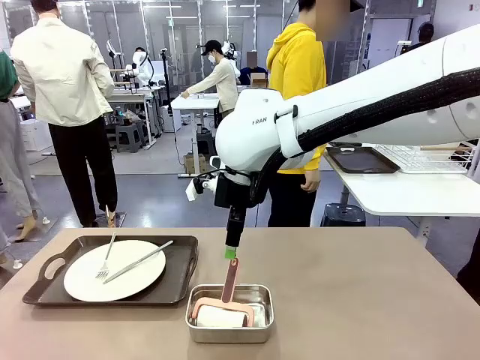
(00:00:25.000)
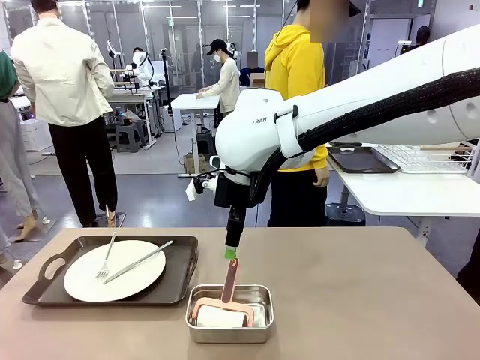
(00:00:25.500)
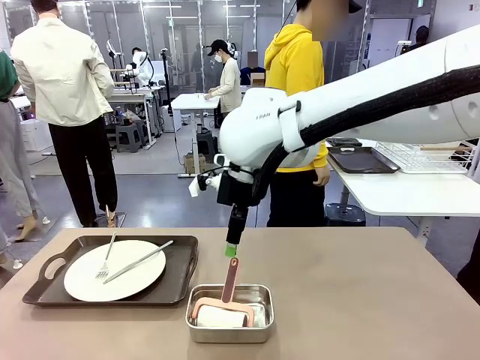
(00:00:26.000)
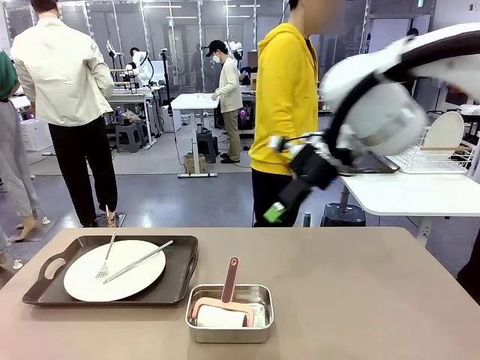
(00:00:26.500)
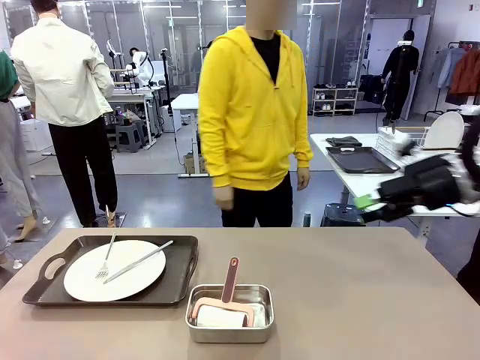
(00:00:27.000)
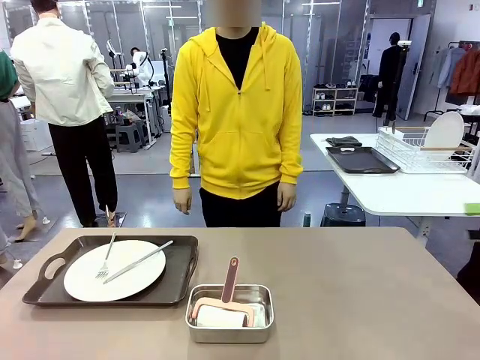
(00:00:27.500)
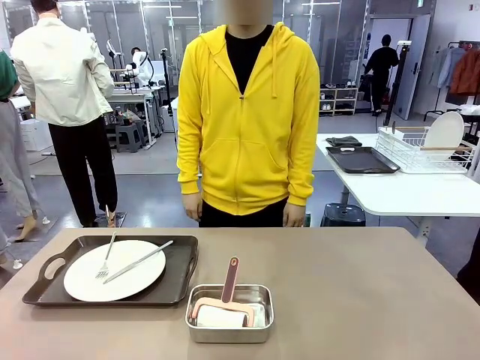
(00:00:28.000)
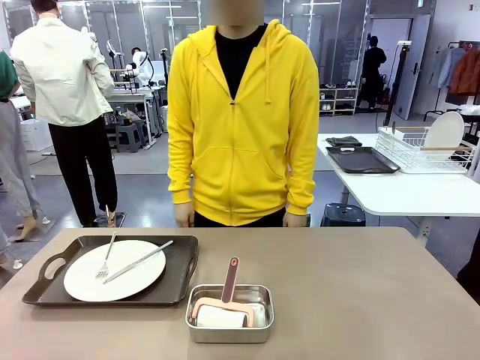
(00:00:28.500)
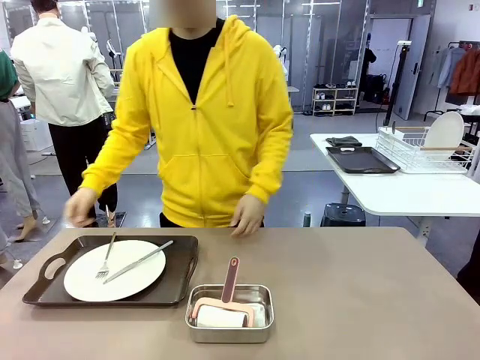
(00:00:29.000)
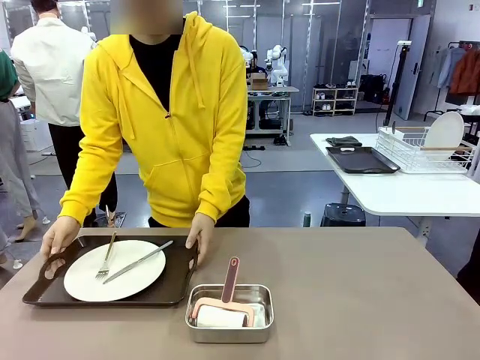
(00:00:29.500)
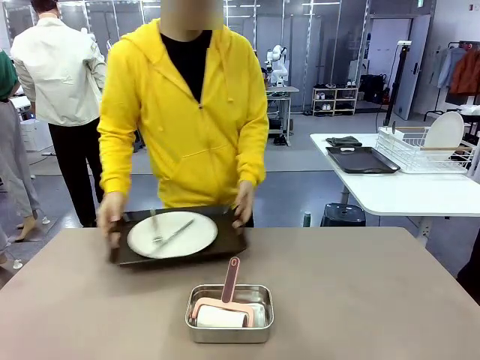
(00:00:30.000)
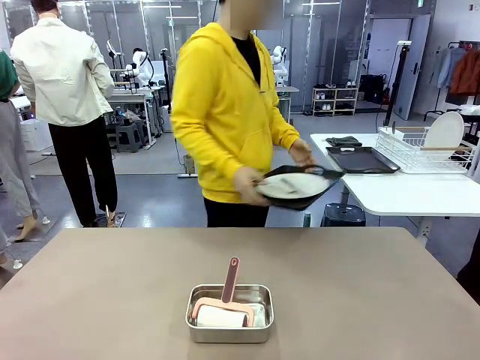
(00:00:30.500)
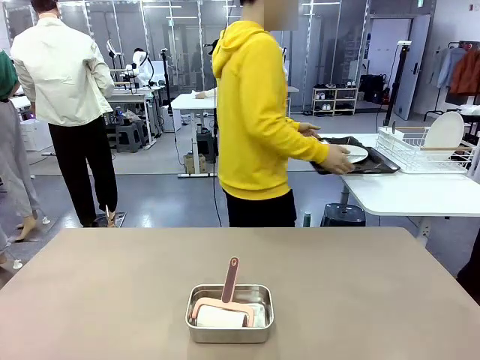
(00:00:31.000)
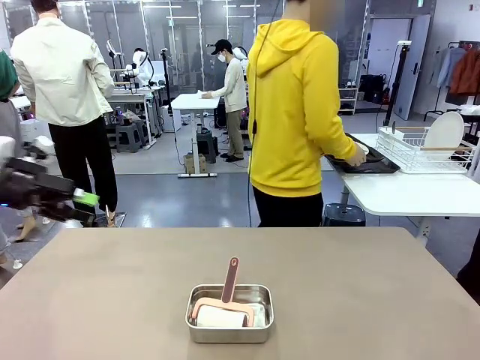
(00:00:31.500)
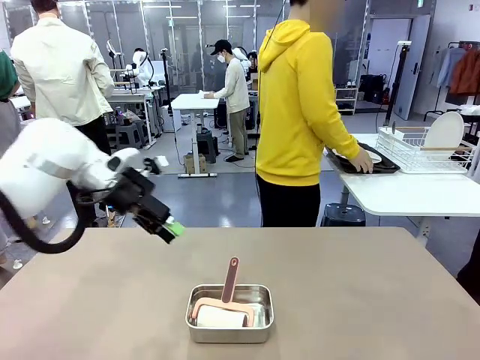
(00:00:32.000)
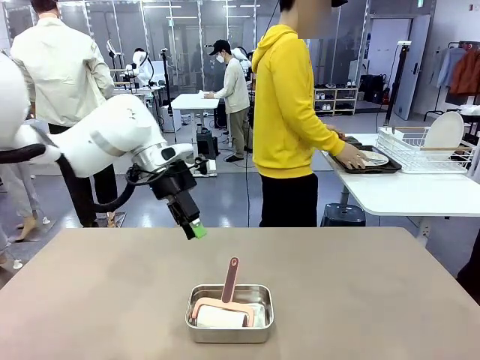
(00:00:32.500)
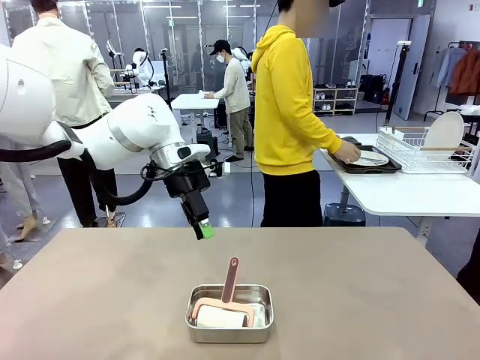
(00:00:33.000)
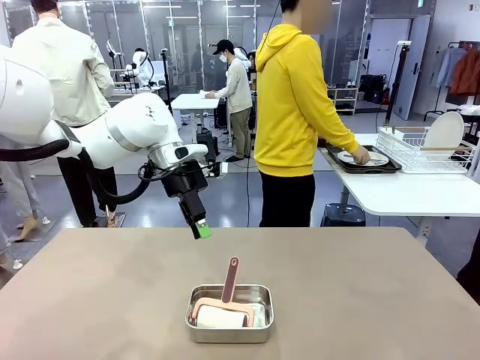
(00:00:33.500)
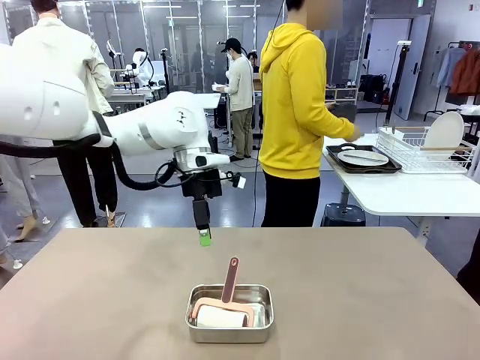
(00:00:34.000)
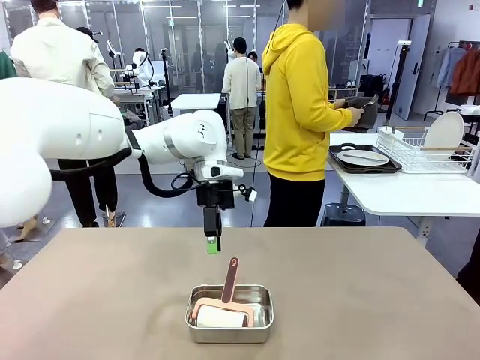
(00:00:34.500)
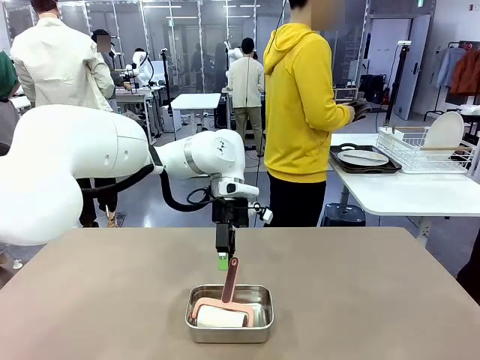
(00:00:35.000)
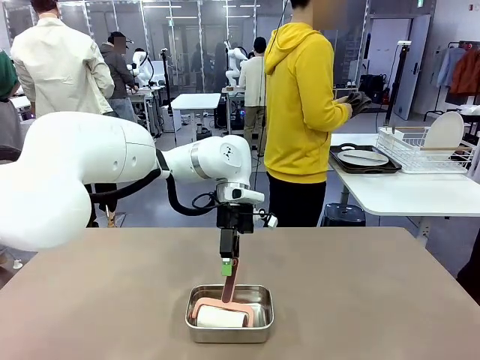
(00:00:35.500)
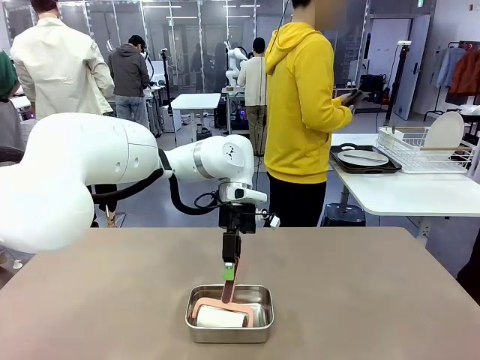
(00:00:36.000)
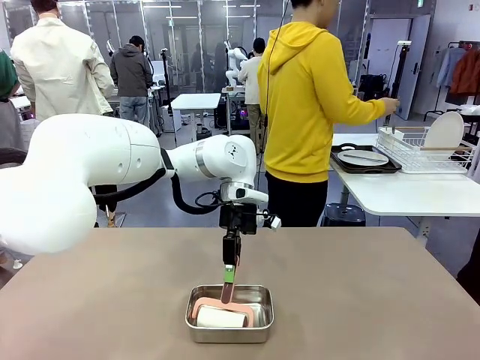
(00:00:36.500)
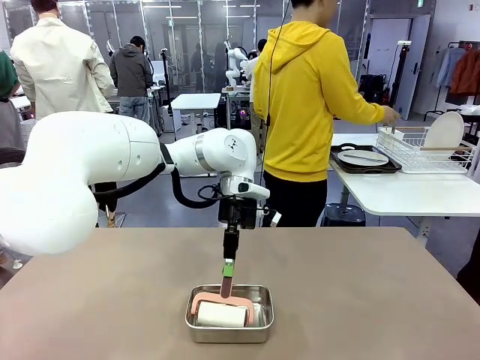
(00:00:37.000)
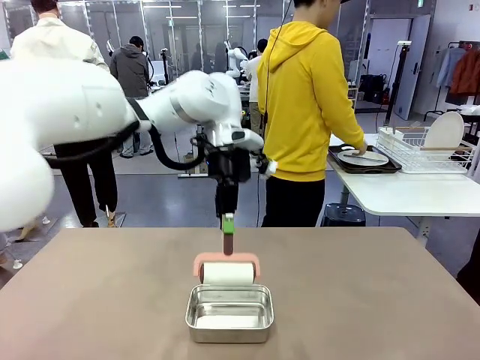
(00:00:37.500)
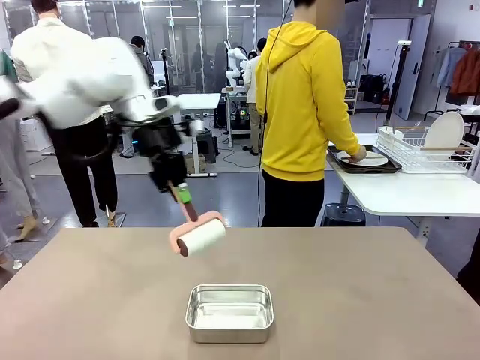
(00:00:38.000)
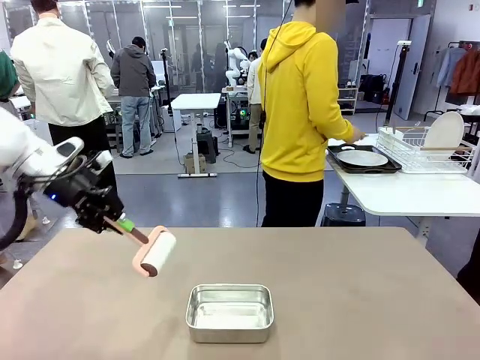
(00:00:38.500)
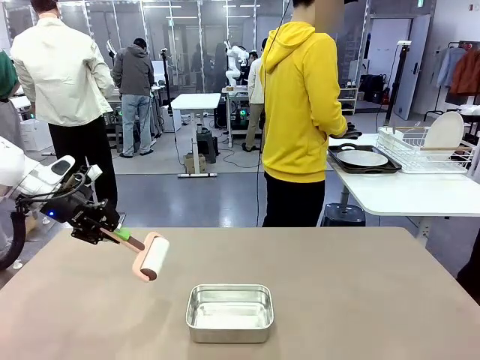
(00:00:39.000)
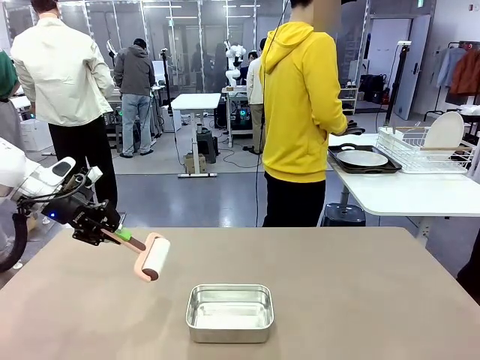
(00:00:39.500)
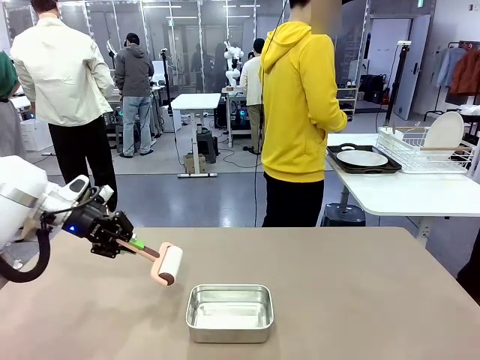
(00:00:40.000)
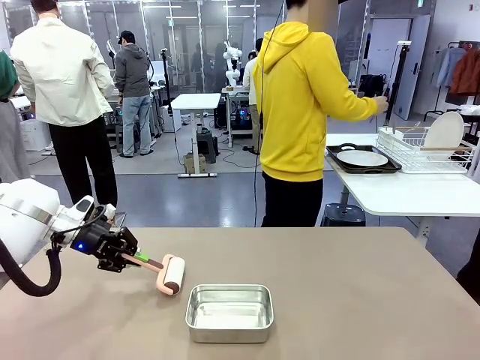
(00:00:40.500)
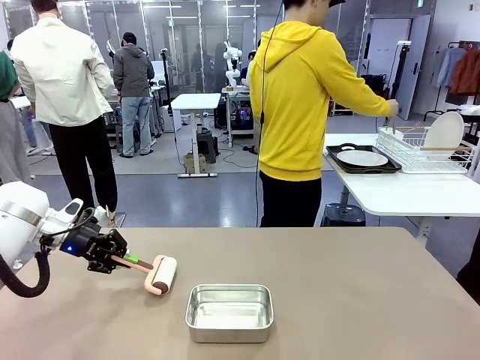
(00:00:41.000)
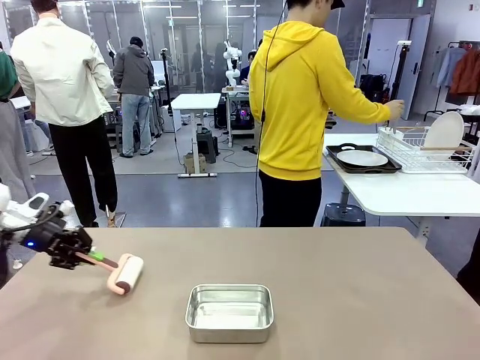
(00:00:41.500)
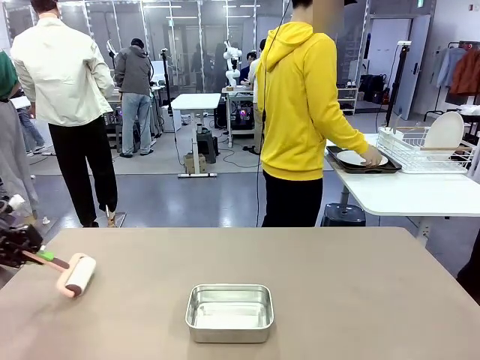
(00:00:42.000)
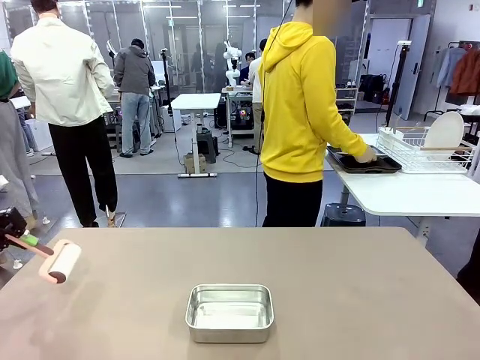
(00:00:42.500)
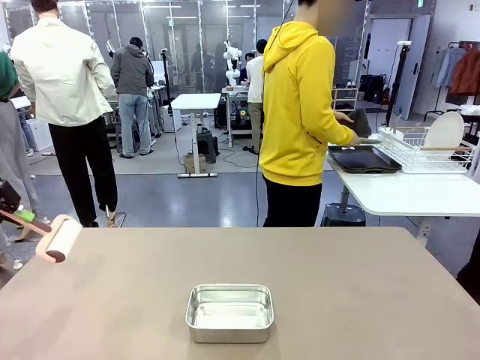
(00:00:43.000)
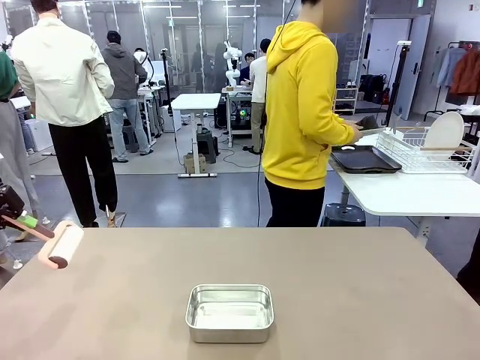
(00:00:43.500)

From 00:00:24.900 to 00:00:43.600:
Robot: When the right (or left) Handle tray is removed, use the right hand (or left hand) to clean the right (or left) side of the table with the Lint Roller.
Person: Pick up the left (or right) Handle tray and place it on the Handle tray. Use the Towel with hook to wipe the Plastic Matte Plate , Fork , and Knife and place into the Dish drying rack.

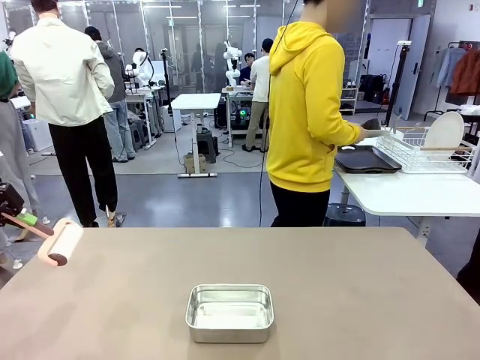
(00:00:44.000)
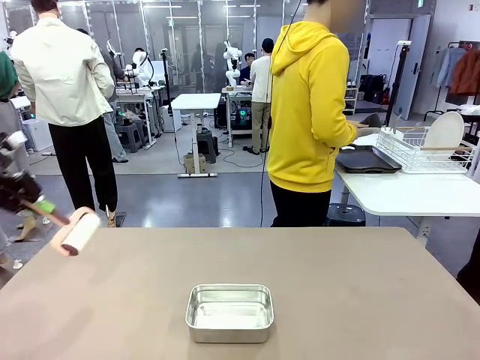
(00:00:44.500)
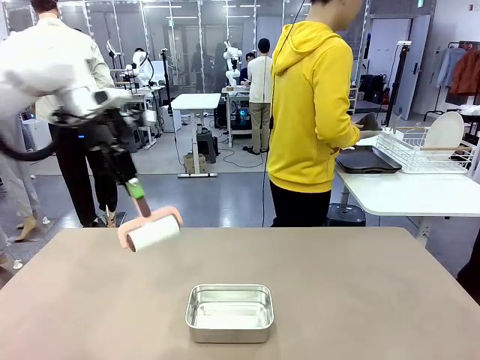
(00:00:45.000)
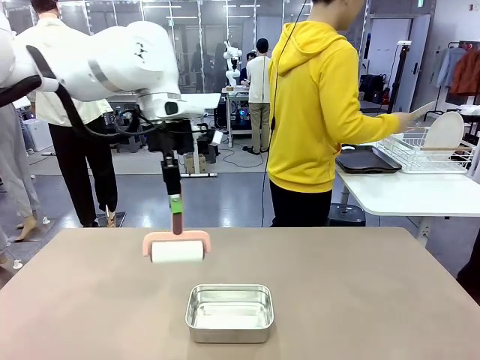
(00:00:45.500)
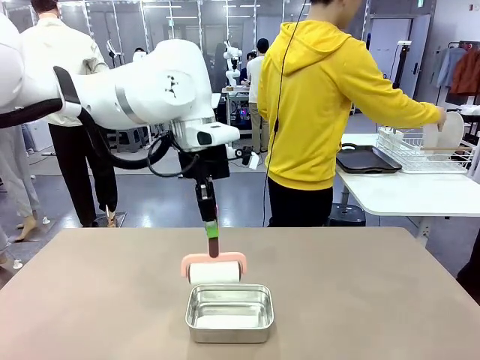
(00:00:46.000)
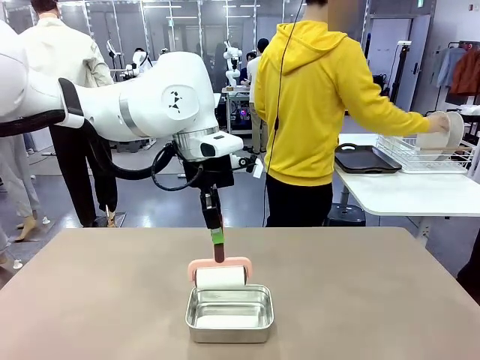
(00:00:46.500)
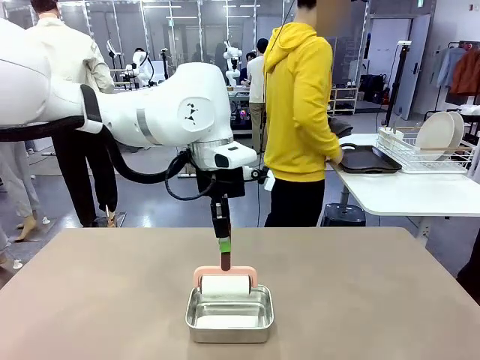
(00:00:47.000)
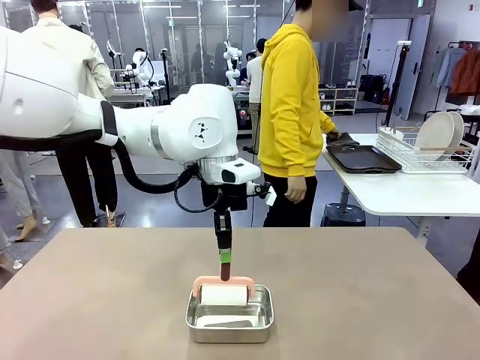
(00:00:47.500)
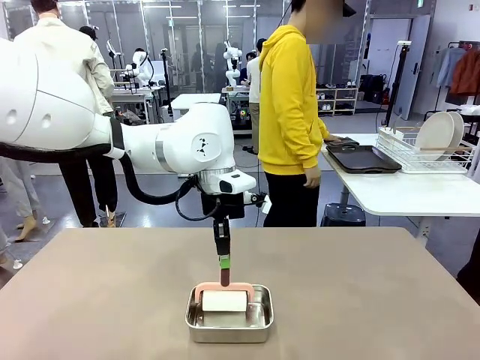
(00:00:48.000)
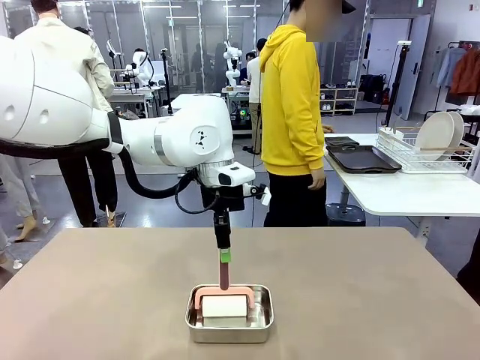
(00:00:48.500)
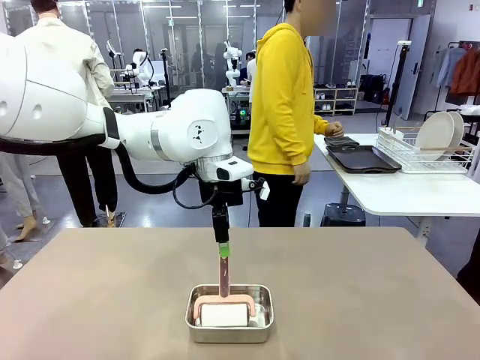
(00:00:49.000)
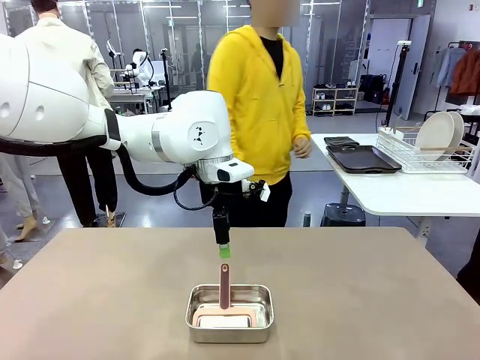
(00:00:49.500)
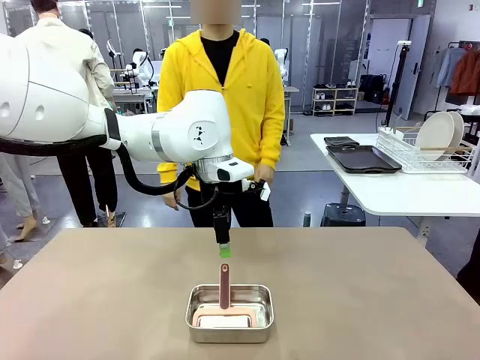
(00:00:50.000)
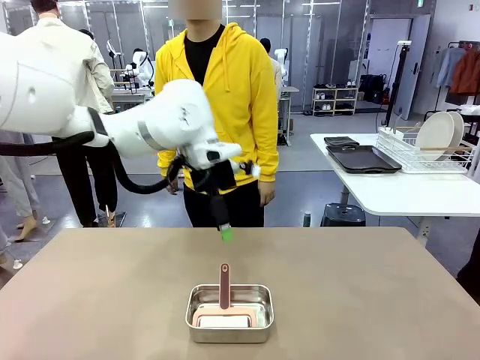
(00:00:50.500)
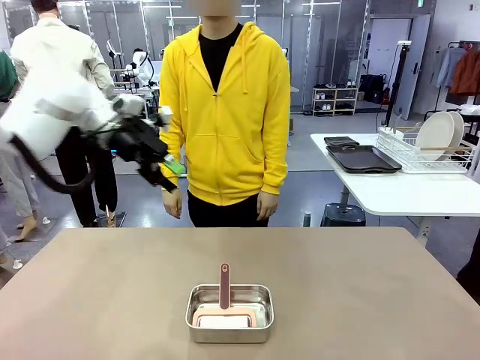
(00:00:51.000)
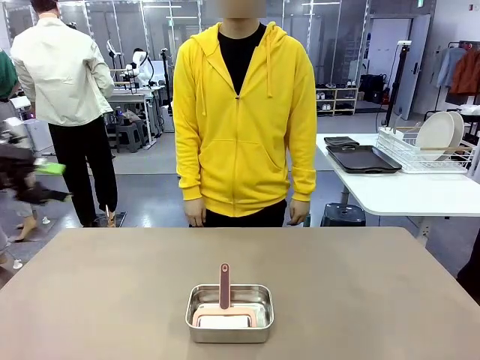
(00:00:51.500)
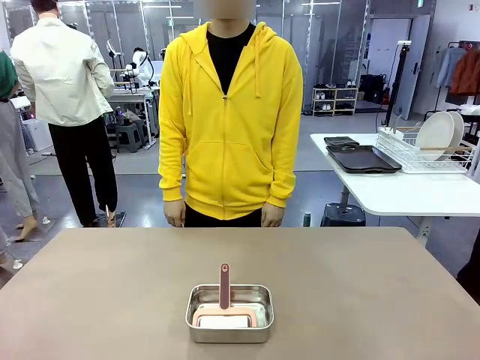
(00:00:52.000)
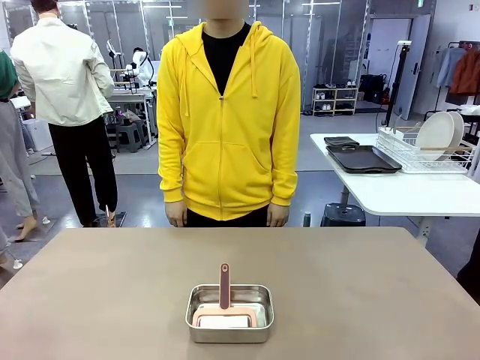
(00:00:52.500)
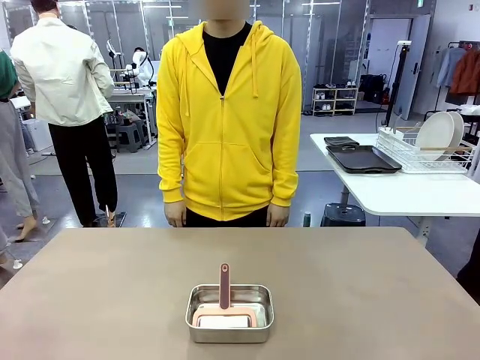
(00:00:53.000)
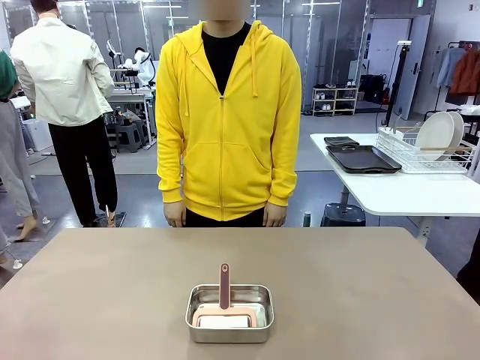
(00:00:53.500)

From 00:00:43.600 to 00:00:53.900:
Robot: Place the Lint Roller back on top of the Airtight Container.
